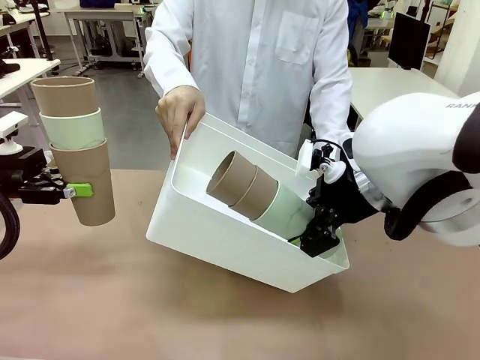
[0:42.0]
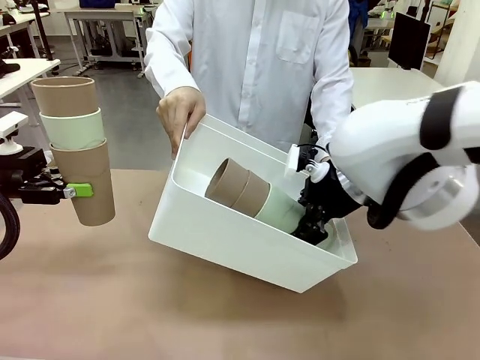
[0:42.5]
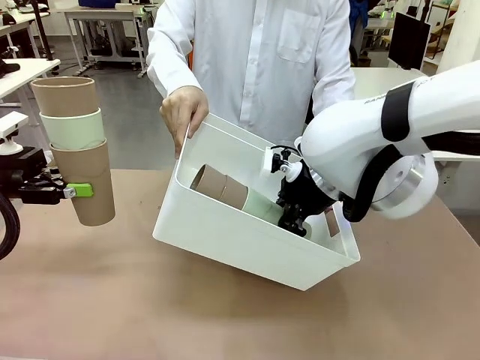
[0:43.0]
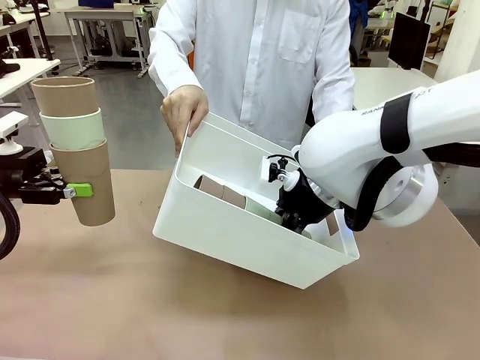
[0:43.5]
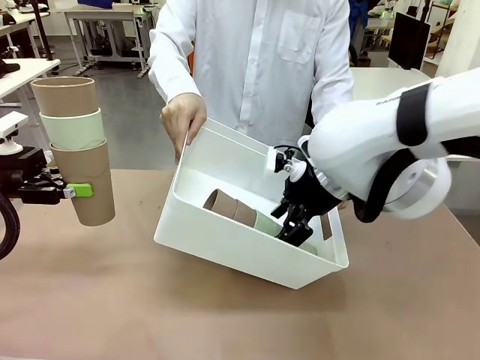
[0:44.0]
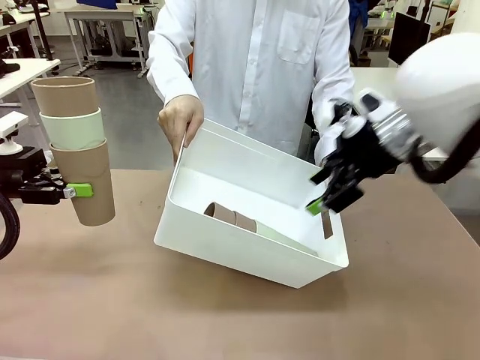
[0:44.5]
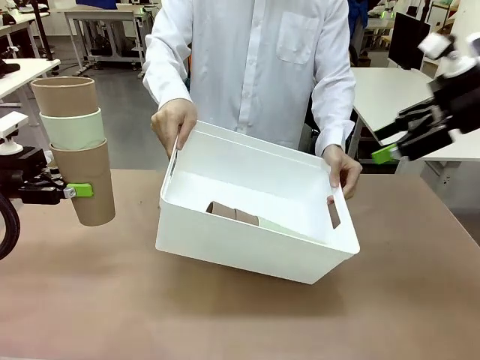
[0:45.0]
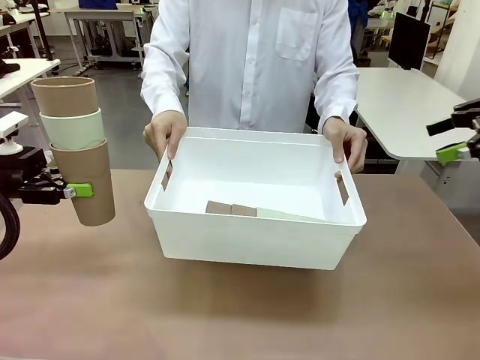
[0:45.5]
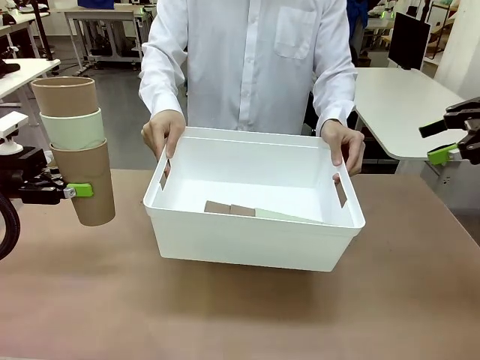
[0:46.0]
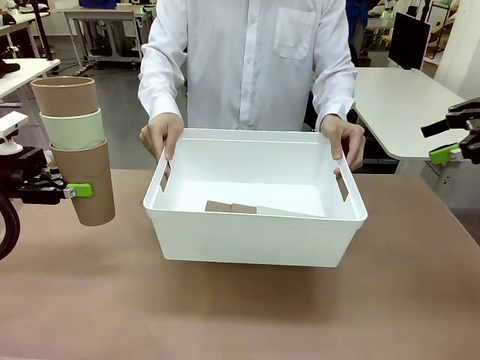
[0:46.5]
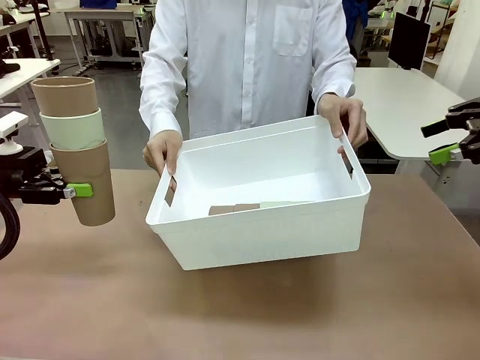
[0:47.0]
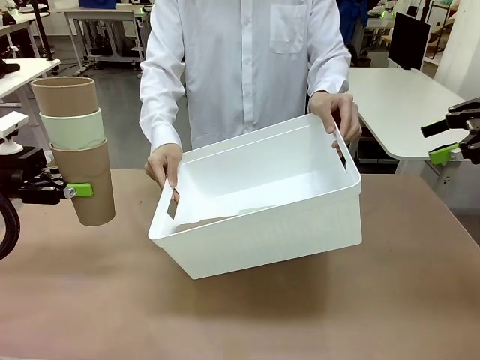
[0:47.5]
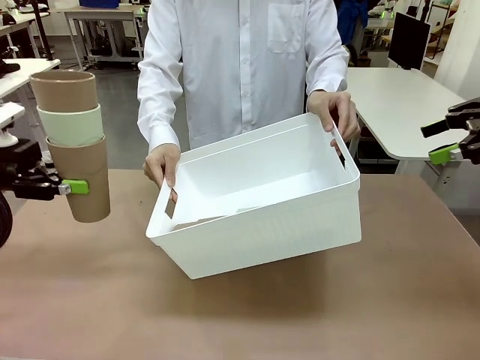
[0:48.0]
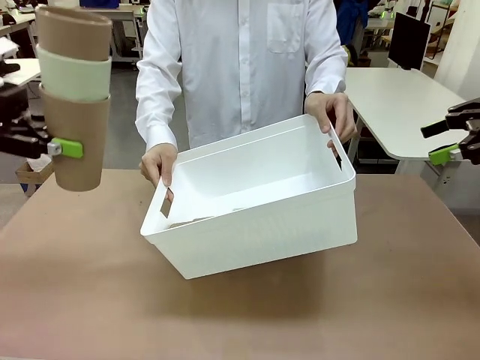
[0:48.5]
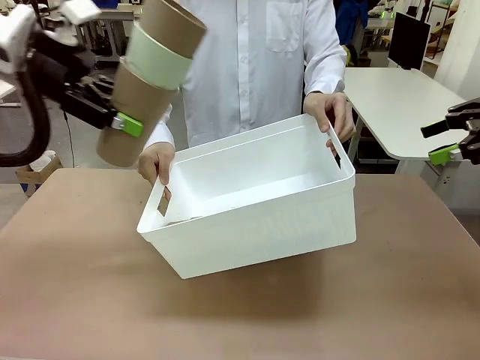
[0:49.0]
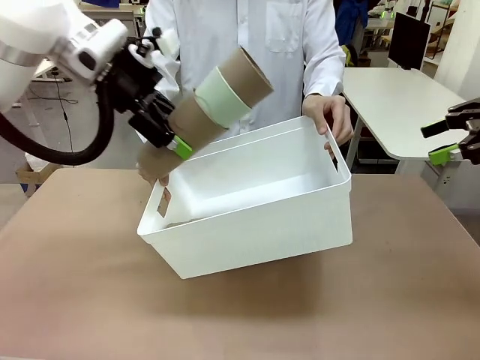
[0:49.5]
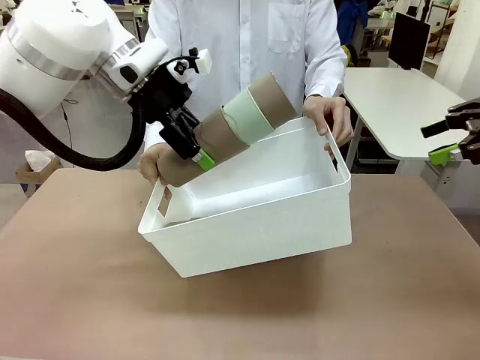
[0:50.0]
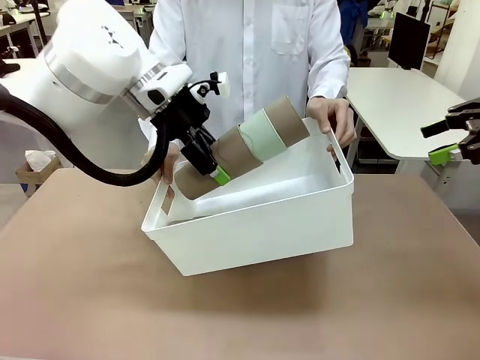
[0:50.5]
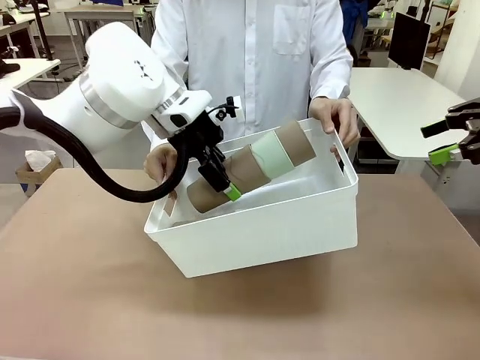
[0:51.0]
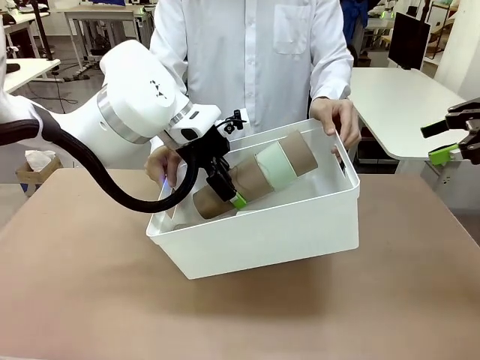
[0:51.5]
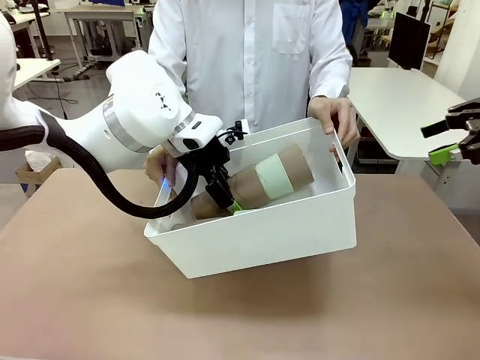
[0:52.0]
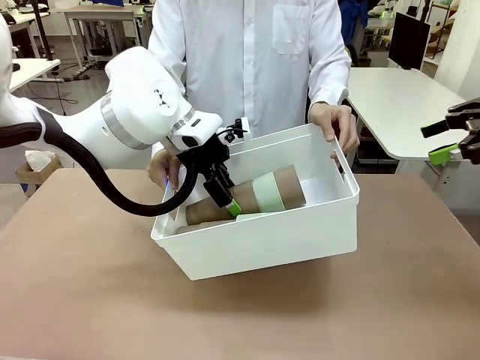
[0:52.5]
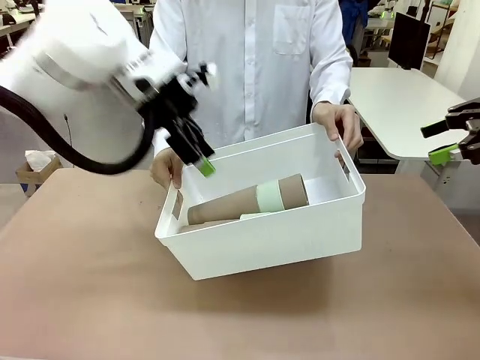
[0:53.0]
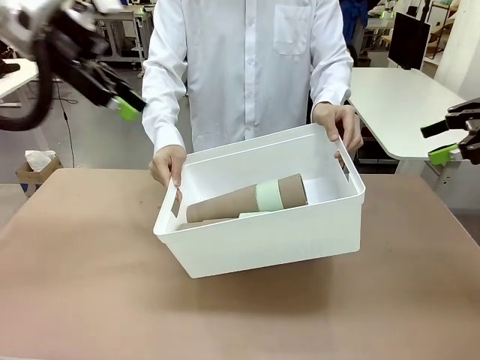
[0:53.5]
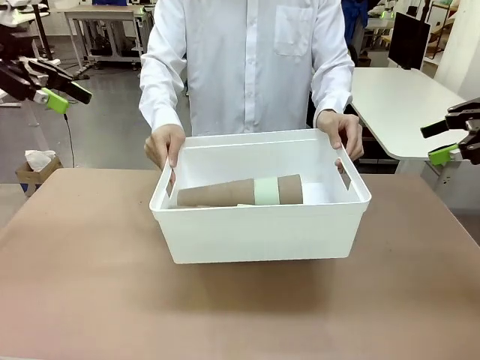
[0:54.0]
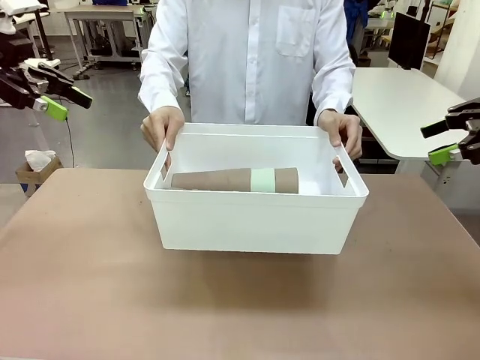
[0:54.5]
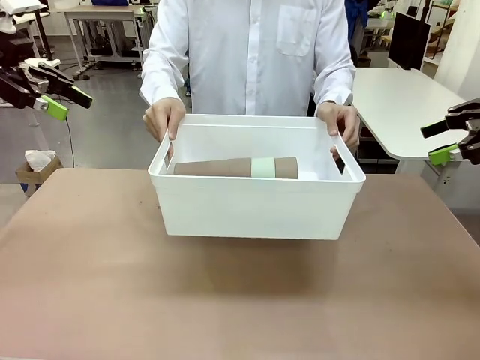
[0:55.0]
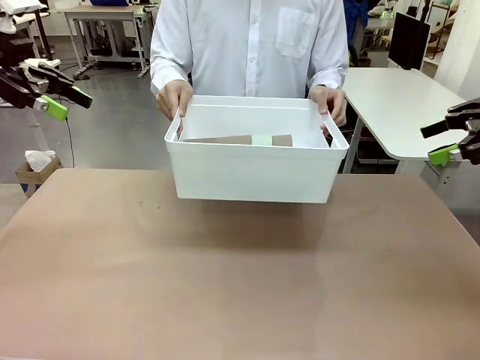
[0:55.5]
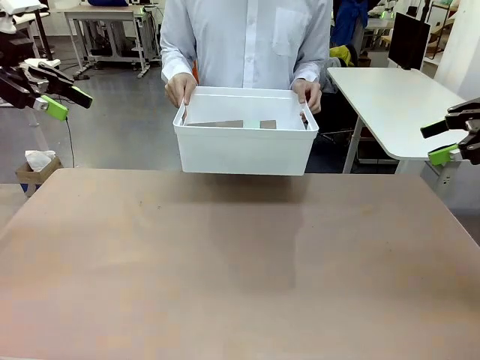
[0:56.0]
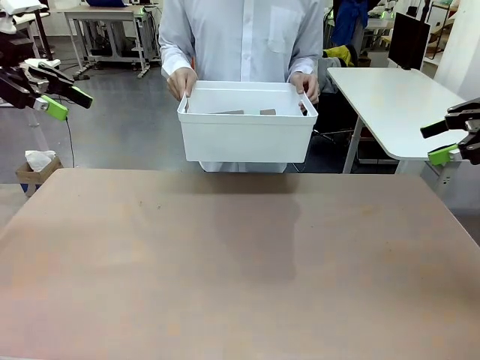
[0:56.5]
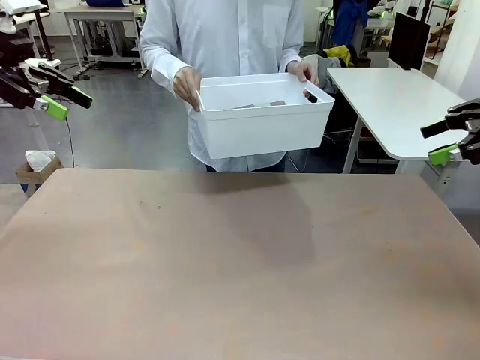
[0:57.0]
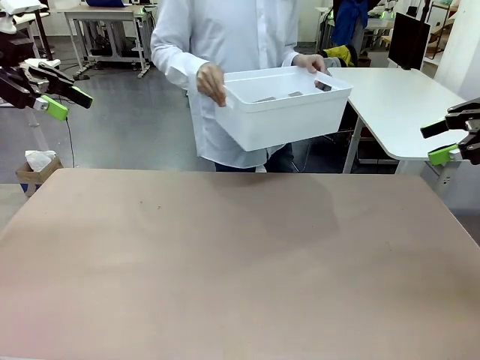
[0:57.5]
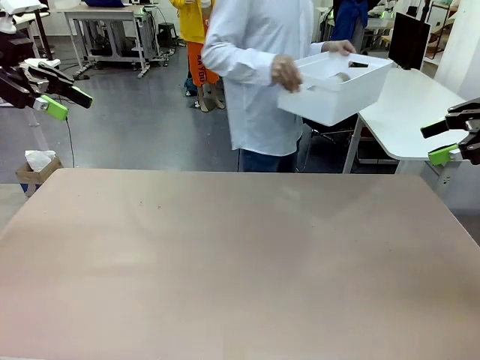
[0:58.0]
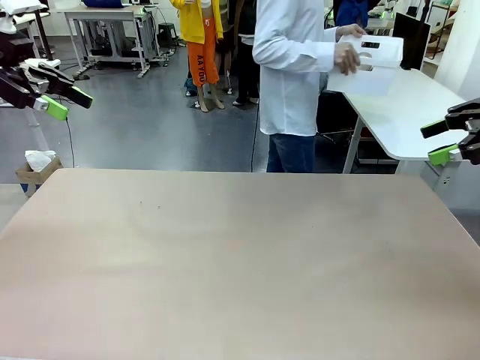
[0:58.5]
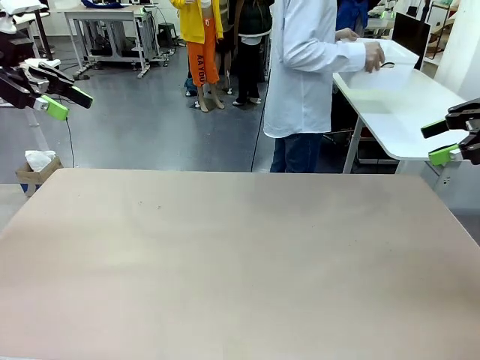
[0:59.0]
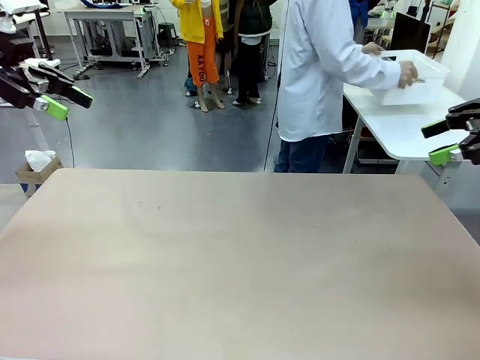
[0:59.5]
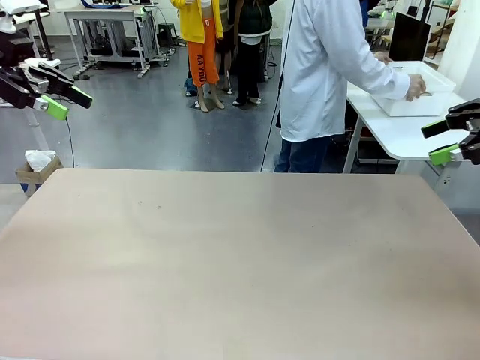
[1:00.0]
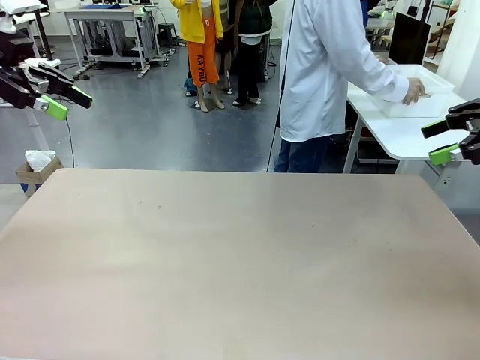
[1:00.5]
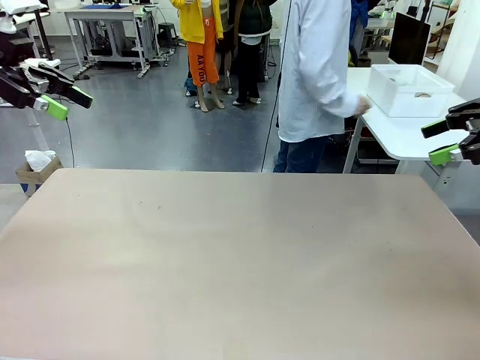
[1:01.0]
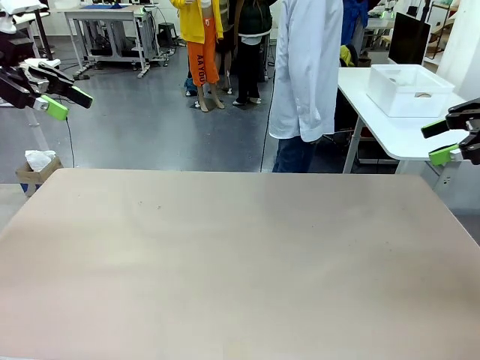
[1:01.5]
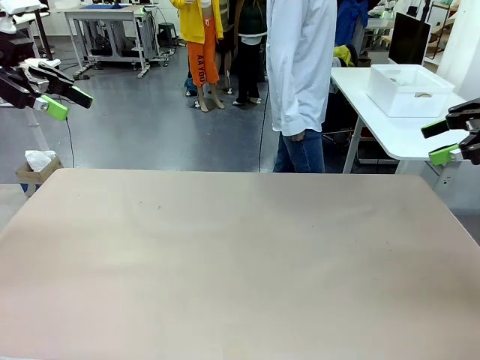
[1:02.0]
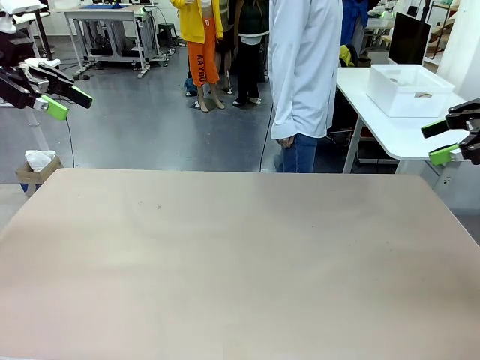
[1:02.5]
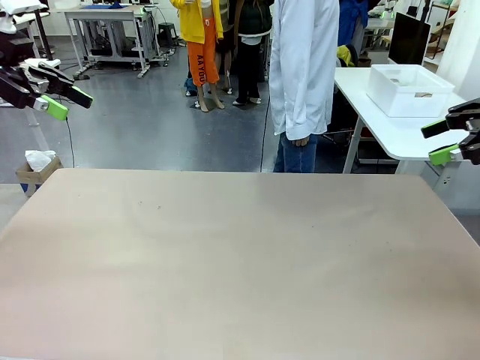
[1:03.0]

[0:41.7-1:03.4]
Task: Stack the cups and store them in the basket.
Robot: Place the stack of Reusable plastic cups into the Pantry Basket.
Person: Place the basket containing the cups in the middle of the Human Table.

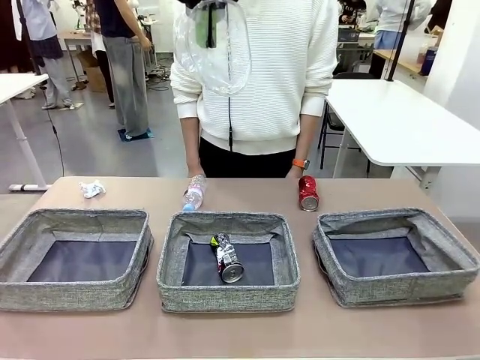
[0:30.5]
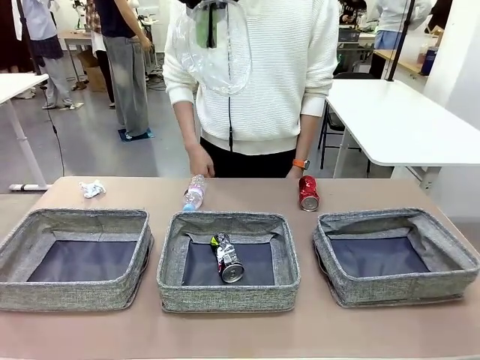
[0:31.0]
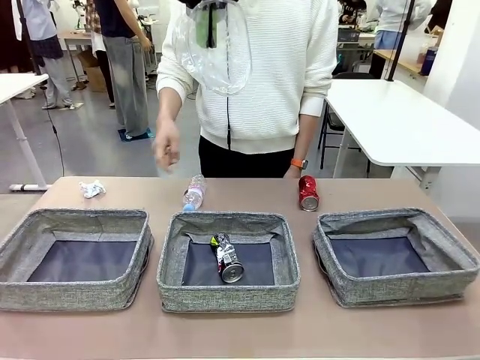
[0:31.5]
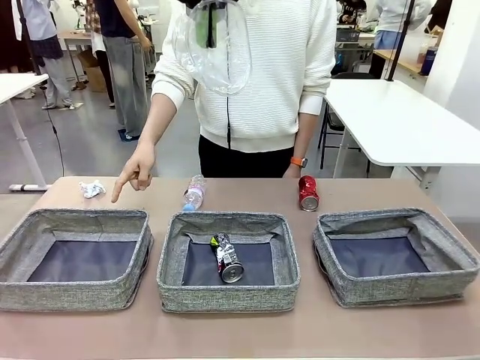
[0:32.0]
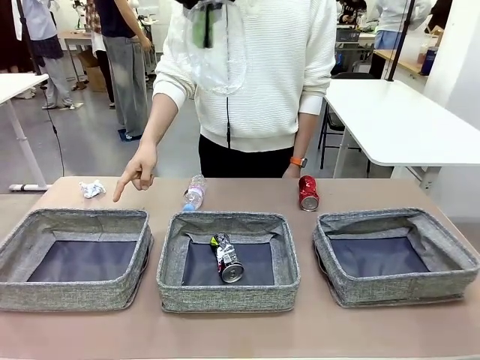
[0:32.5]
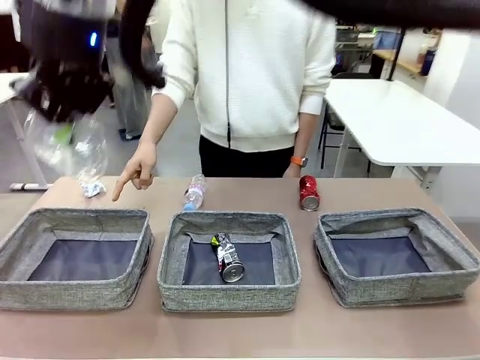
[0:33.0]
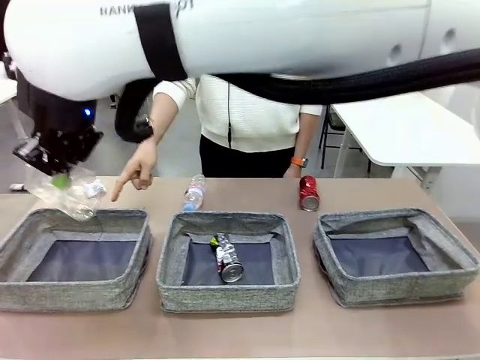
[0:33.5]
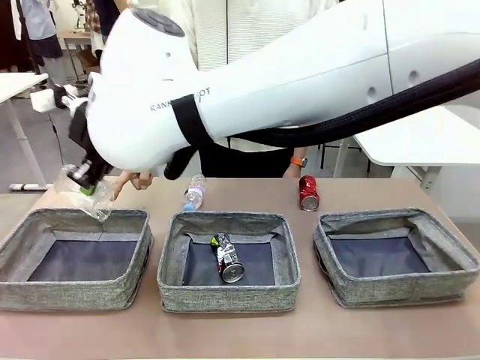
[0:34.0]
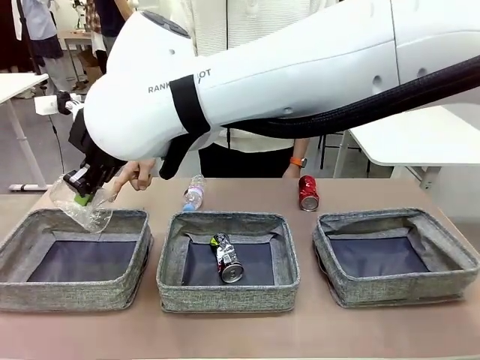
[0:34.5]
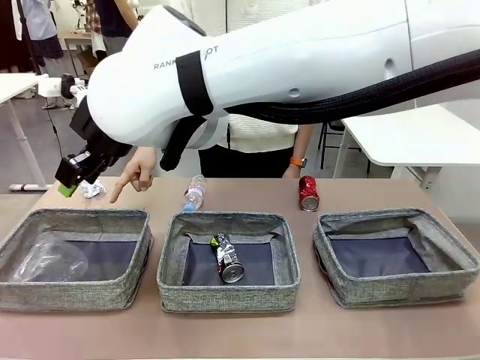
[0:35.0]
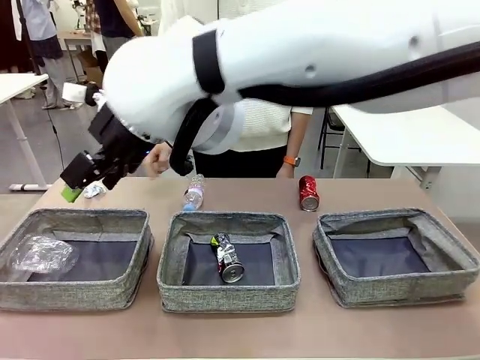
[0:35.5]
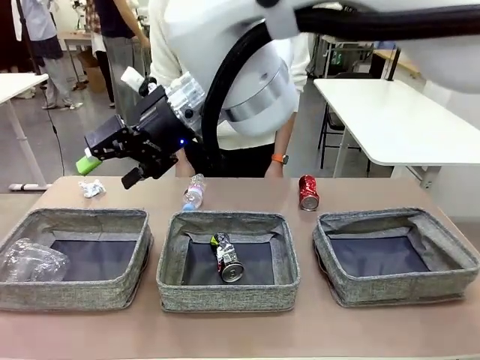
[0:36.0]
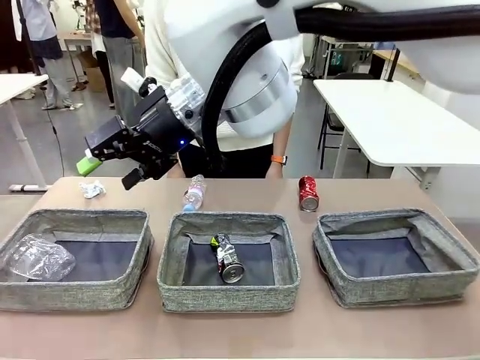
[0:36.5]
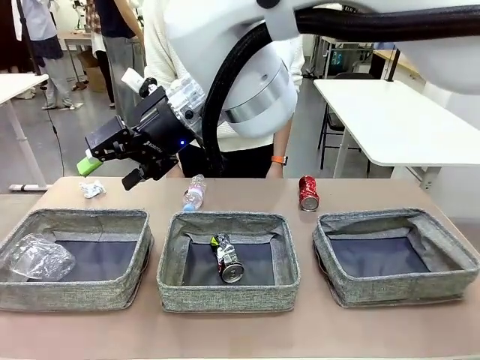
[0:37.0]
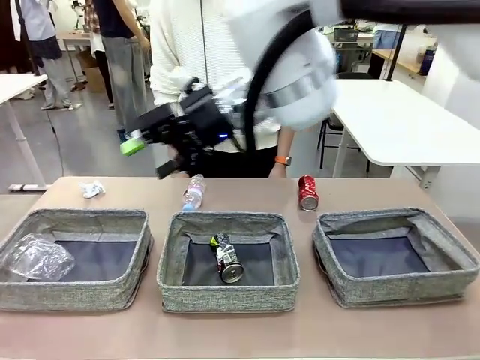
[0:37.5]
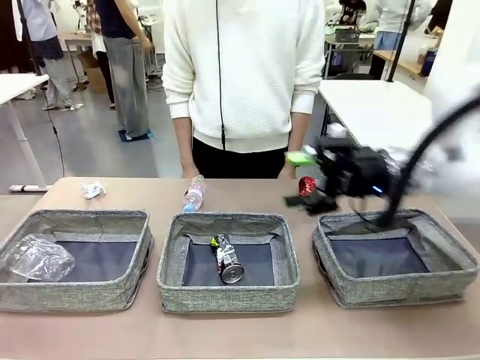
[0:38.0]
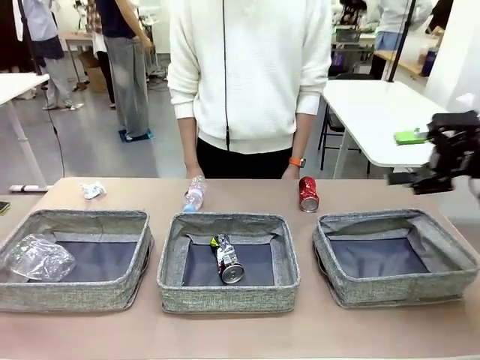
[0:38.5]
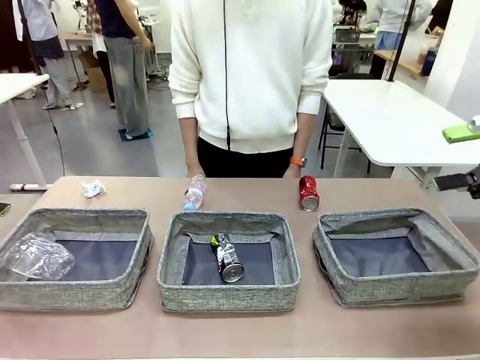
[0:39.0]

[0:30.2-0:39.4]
Task: Sort the waste into the appropriate baskets.
Robot: Place the picked waste into the Fabric basket indicated by the person.
Person: Instructs the robot to place the picked-up trash into the appropriate organizing basket.
